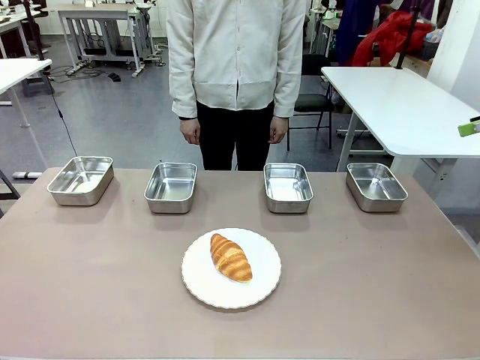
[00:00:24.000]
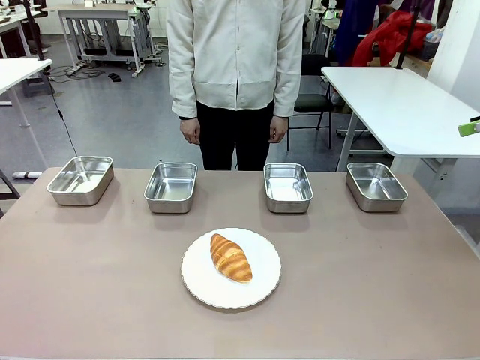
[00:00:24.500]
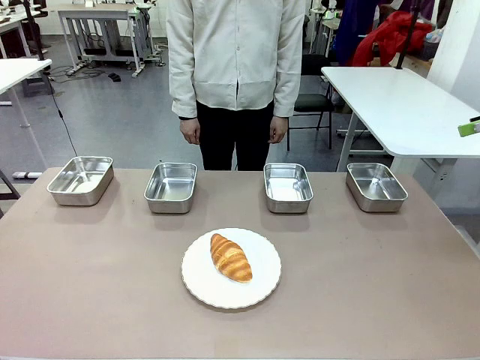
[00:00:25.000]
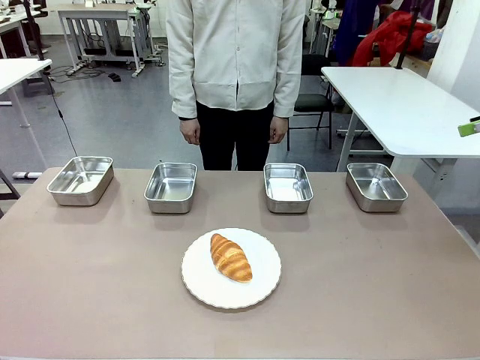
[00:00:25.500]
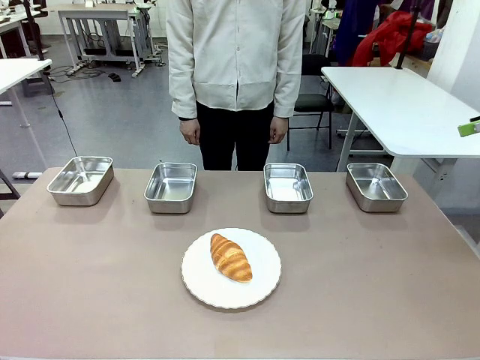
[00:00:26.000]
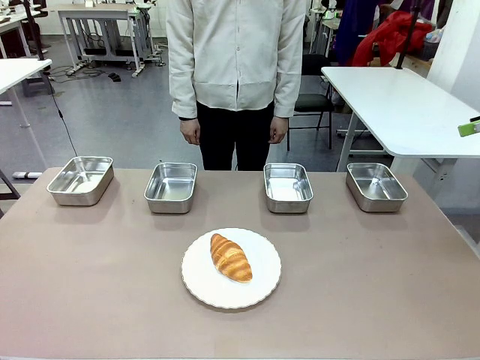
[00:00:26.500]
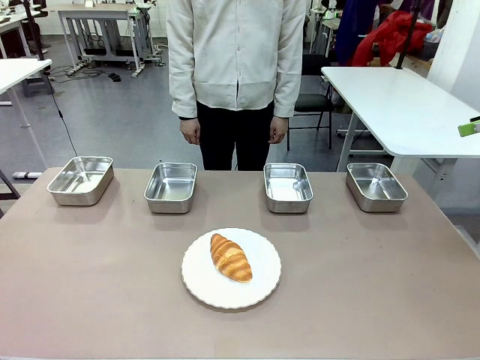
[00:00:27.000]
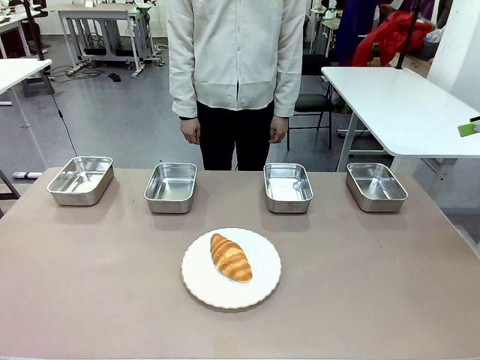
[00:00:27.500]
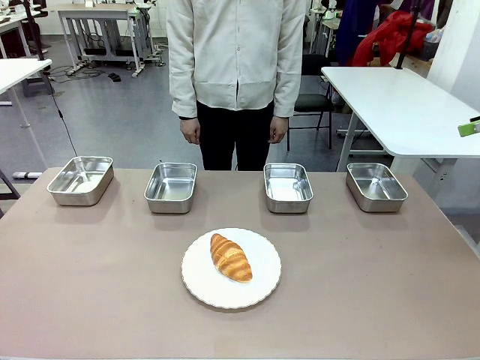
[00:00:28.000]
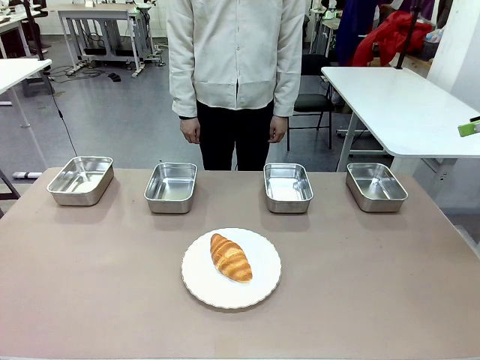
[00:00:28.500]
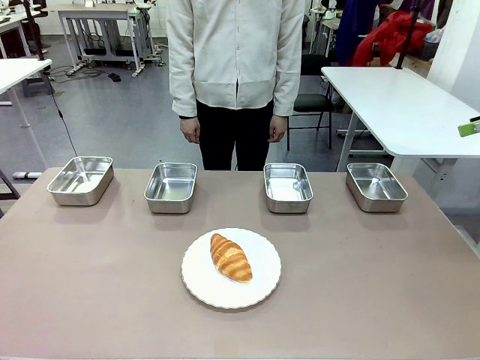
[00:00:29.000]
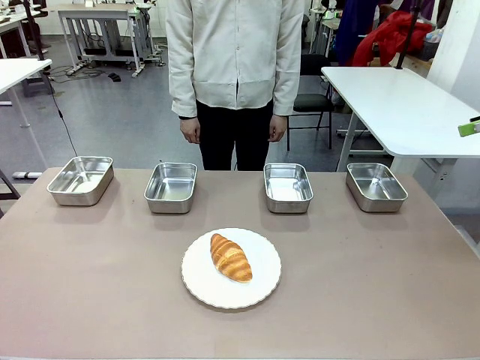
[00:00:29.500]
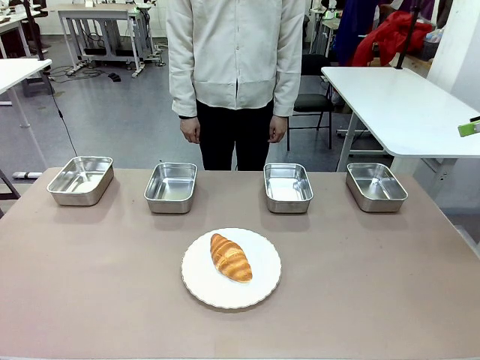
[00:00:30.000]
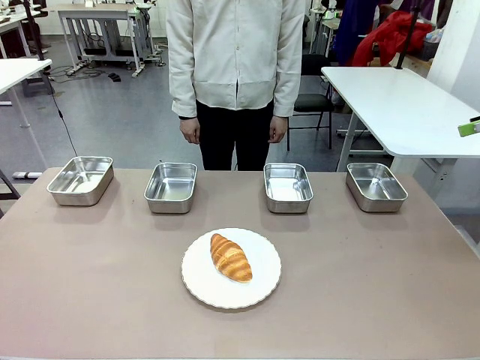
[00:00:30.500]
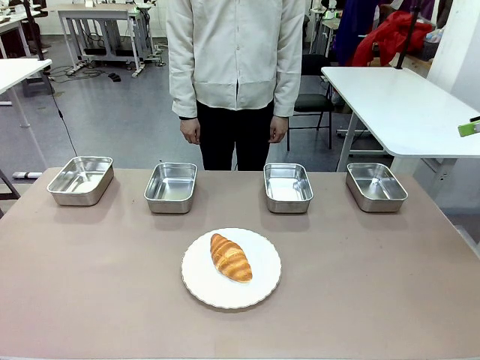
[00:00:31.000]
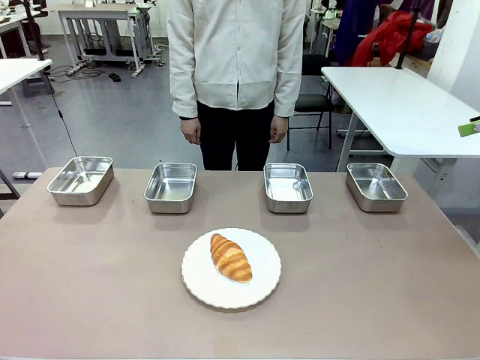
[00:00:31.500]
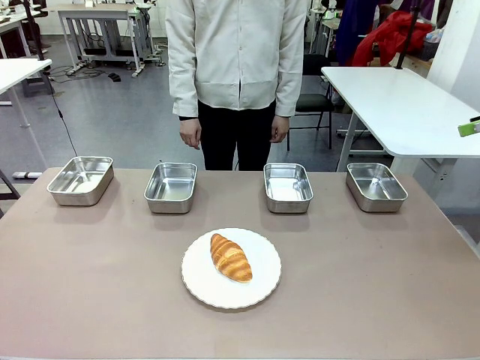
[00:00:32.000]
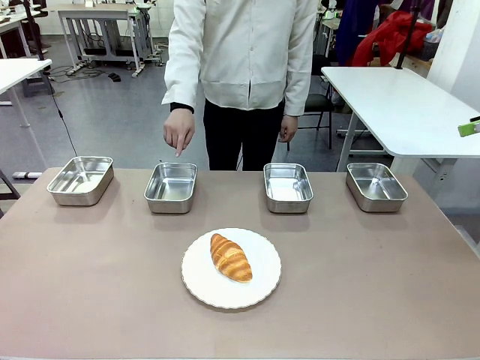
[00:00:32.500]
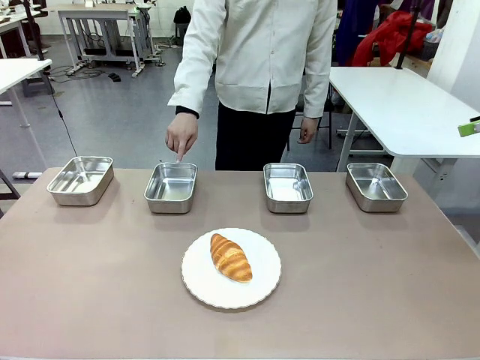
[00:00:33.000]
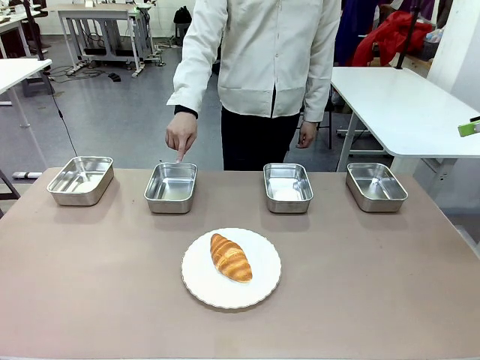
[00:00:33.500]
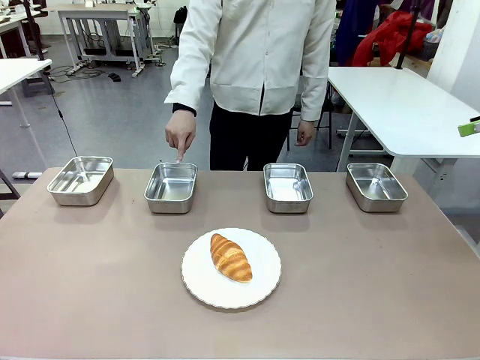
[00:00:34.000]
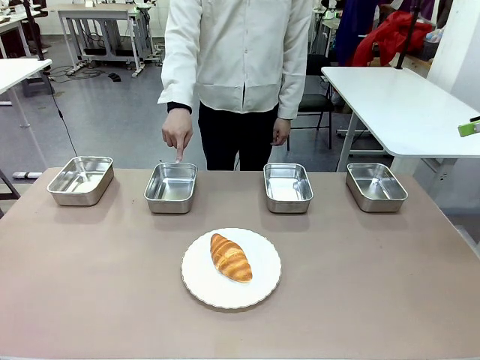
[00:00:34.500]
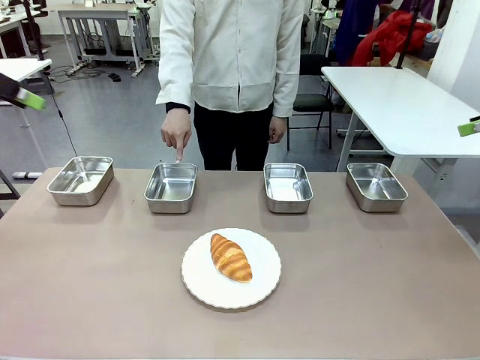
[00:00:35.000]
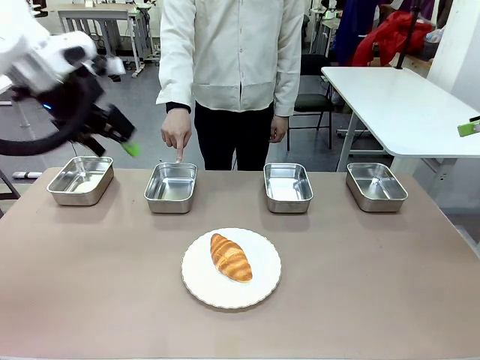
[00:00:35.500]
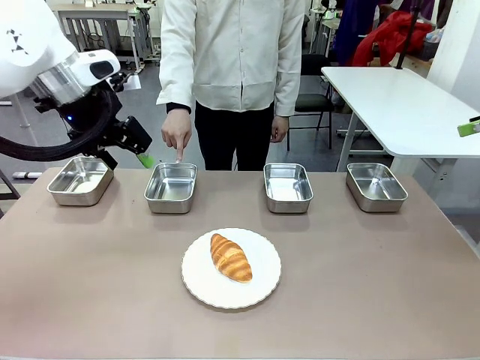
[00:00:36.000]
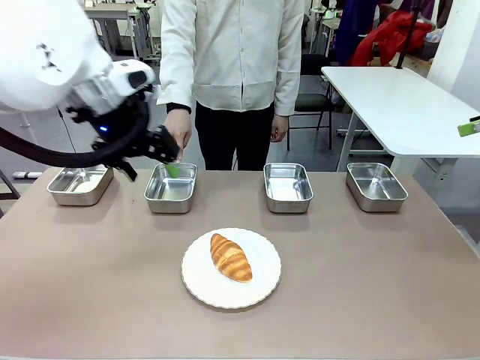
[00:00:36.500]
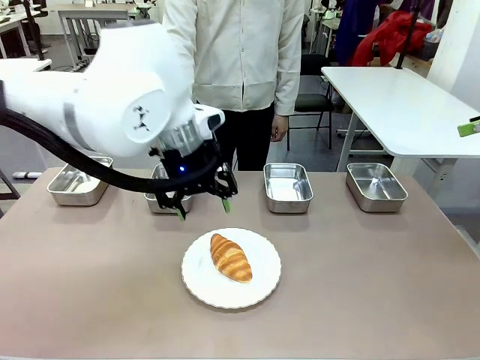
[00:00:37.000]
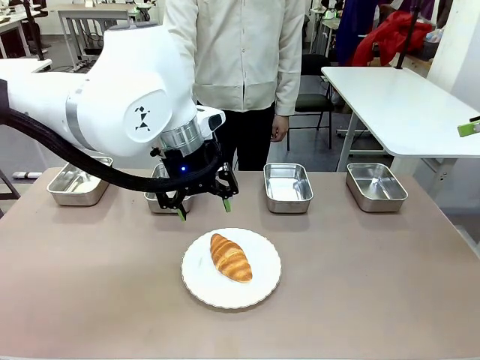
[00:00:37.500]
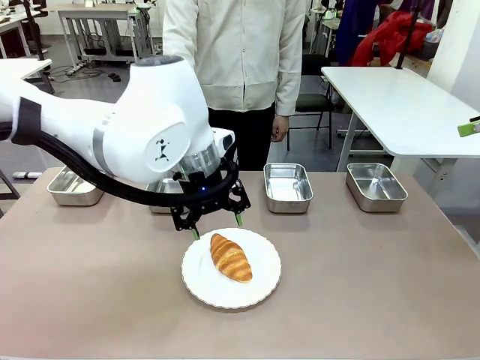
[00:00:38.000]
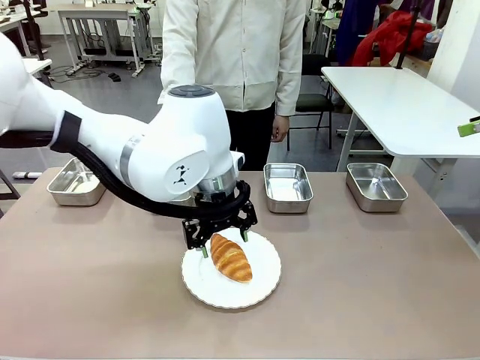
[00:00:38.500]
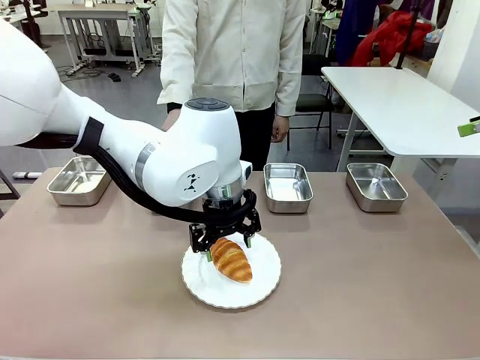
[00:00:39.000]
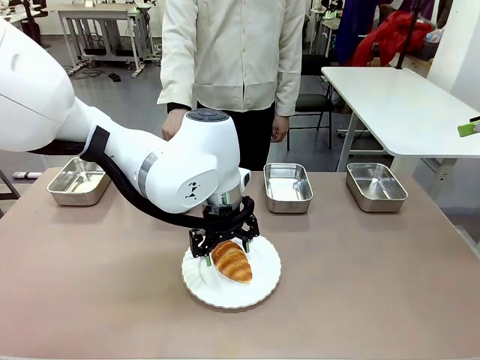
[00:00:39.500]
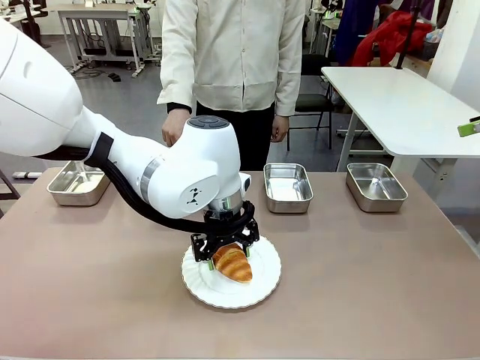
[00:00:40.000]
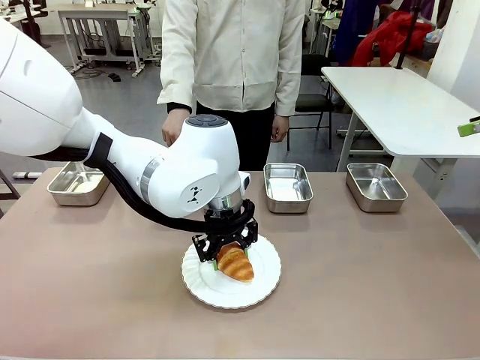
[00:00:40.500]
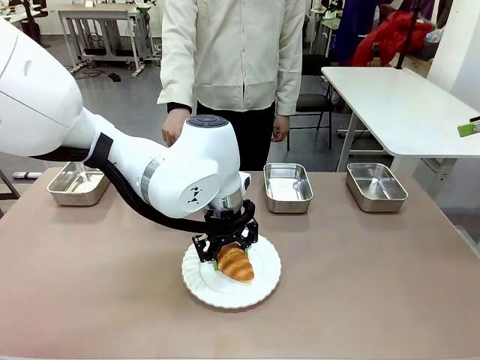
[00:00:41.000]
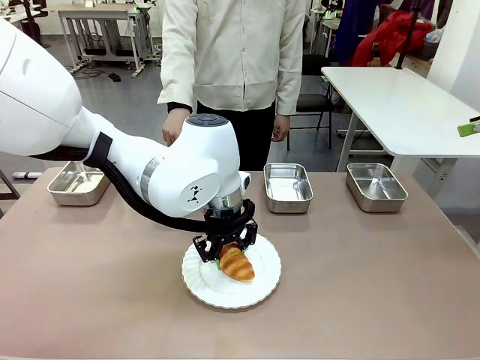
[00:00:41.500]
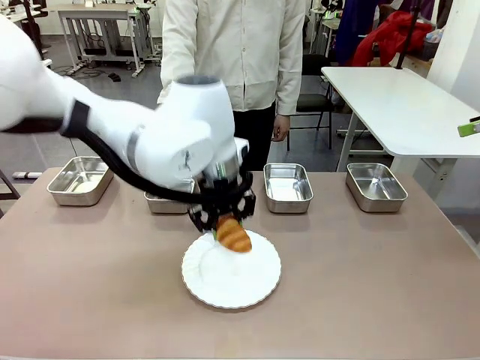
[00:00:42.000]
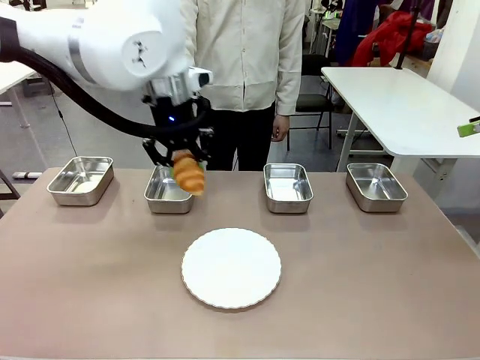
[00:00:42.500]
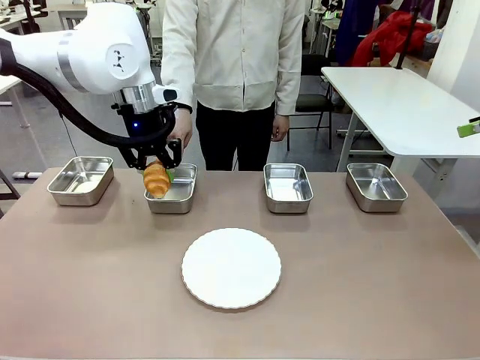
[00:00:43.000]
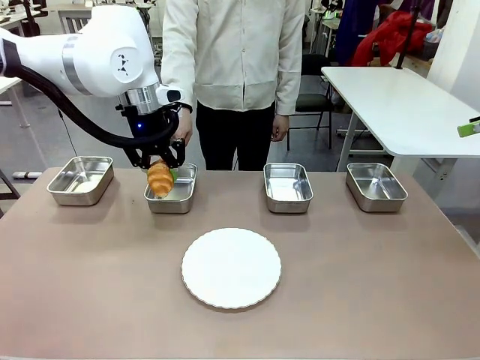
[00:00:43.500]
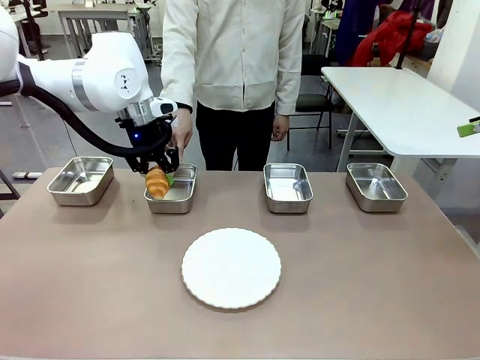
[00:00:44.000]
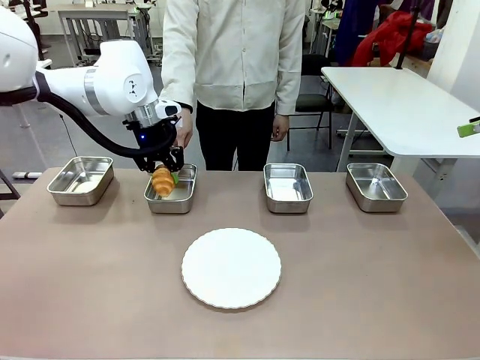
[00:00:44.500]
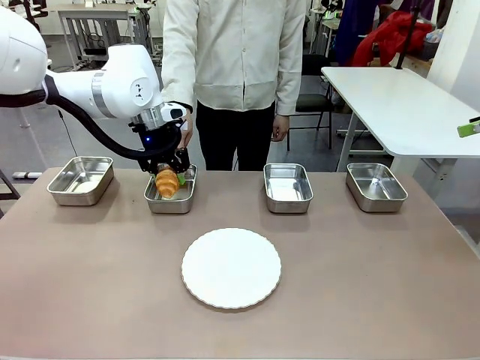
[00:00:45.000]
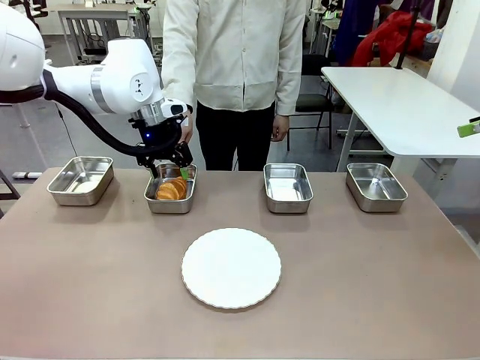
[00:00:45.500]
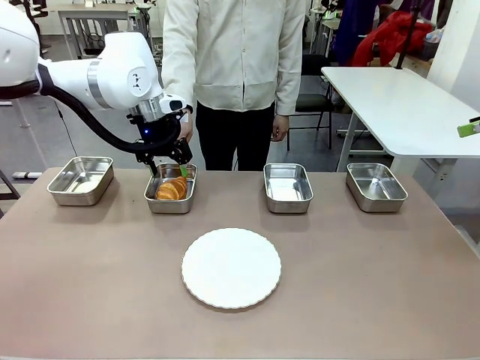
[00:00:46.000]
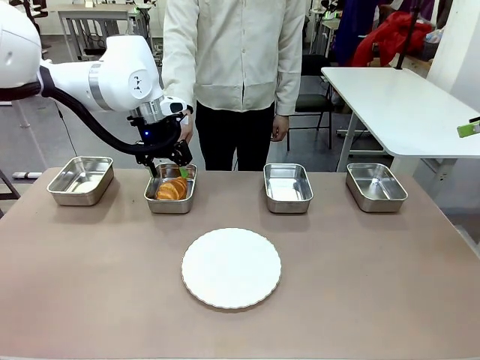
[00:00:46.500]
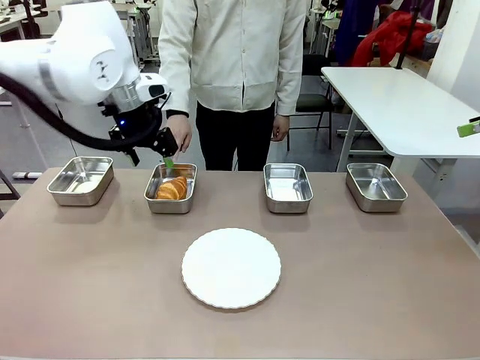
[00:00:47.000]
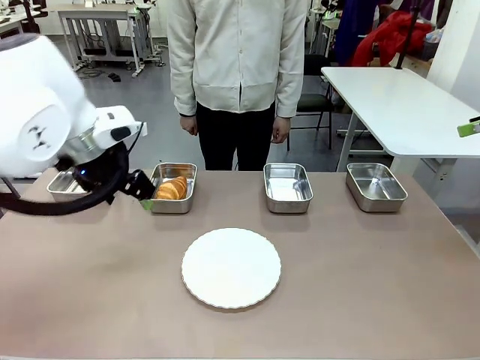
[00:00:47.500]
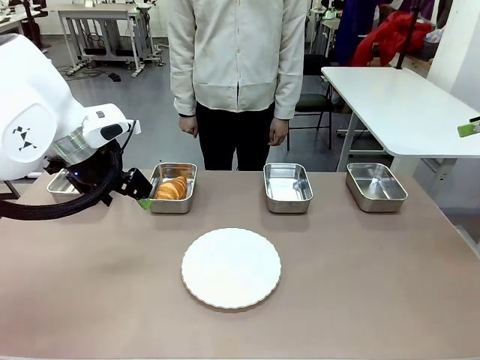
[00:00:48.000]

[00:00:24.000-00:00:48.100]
Task: Place the bread in the container.
Robot: Place the Butter Roll into the Airtight Container indicated by the human.
Person: A person randomly selects and points to an Airtight Container.
